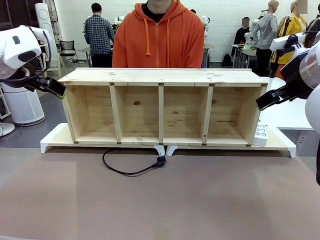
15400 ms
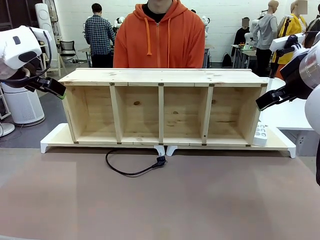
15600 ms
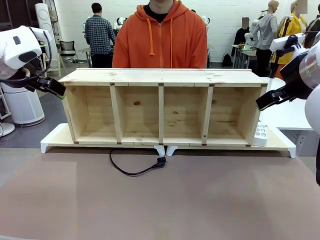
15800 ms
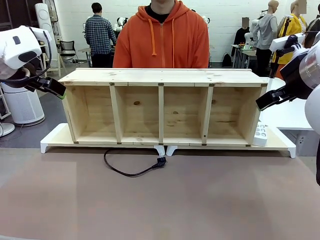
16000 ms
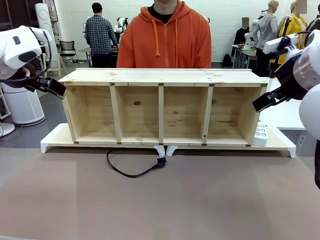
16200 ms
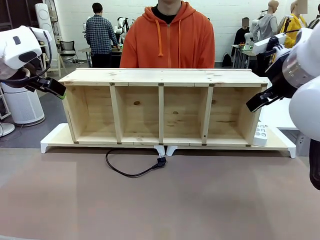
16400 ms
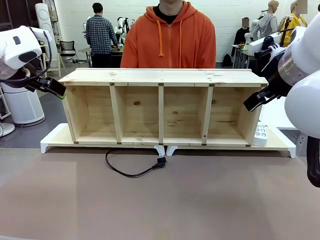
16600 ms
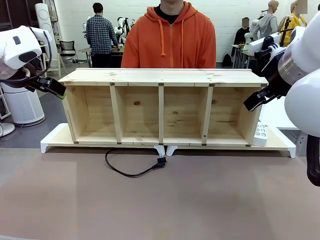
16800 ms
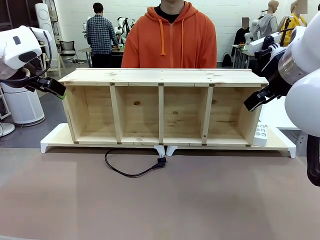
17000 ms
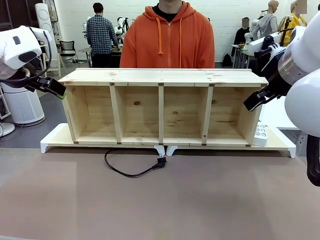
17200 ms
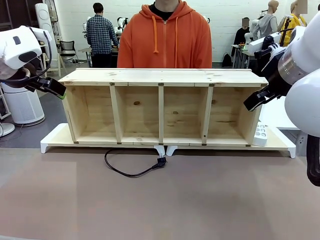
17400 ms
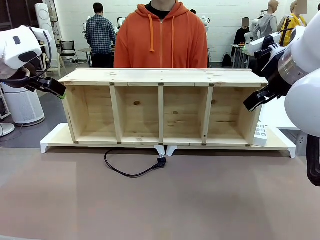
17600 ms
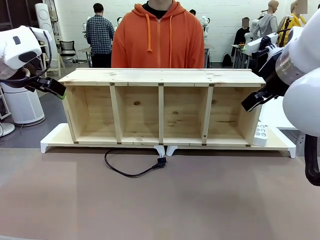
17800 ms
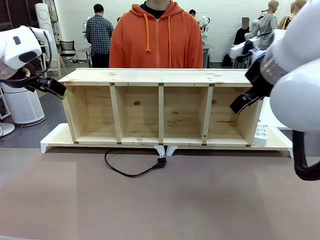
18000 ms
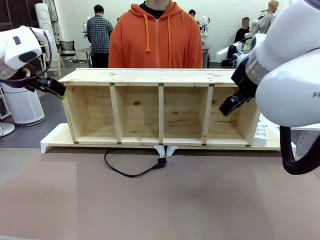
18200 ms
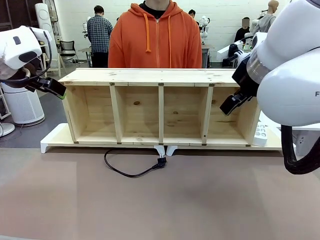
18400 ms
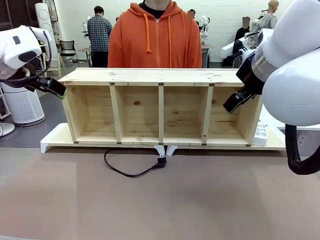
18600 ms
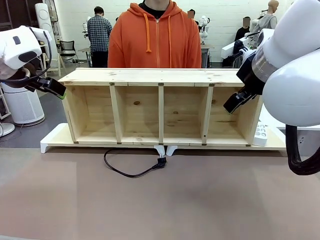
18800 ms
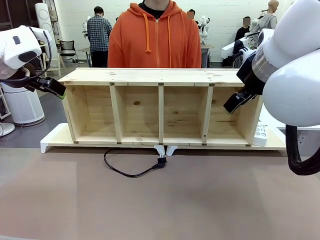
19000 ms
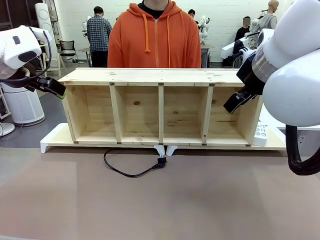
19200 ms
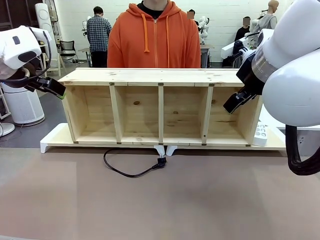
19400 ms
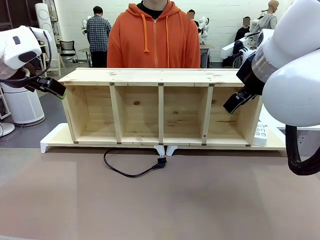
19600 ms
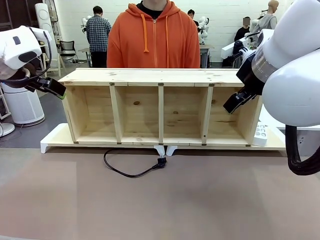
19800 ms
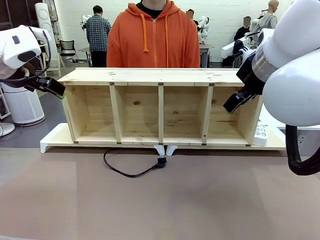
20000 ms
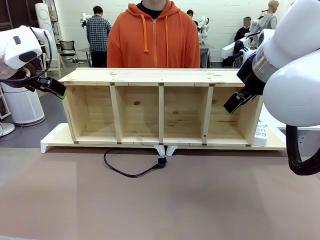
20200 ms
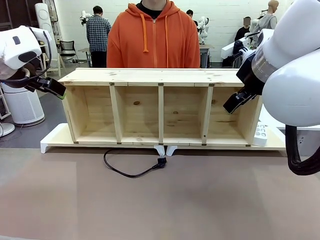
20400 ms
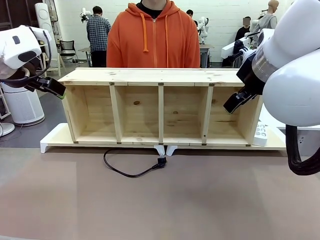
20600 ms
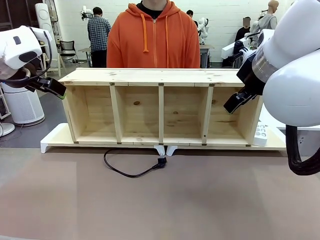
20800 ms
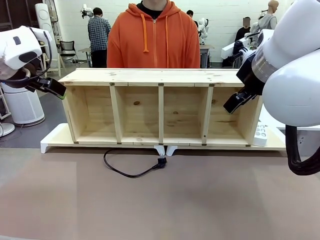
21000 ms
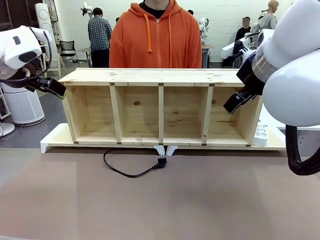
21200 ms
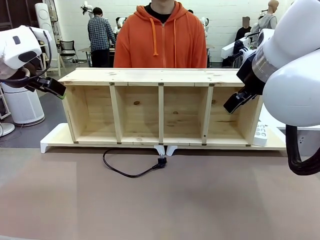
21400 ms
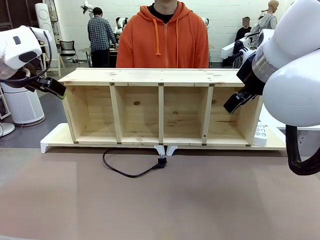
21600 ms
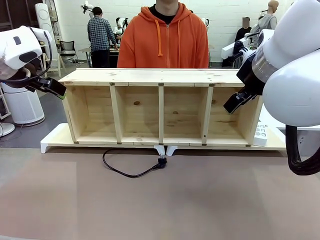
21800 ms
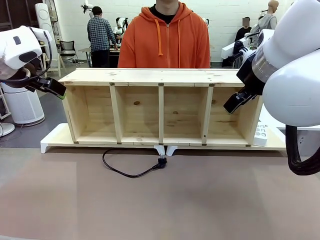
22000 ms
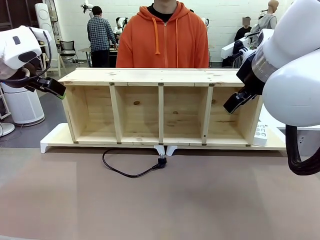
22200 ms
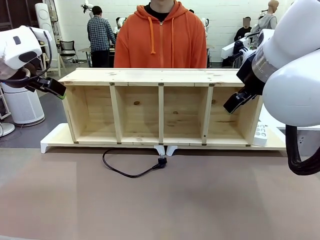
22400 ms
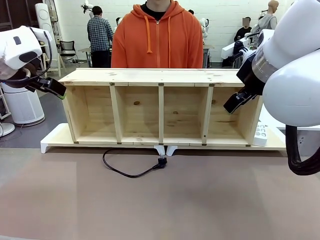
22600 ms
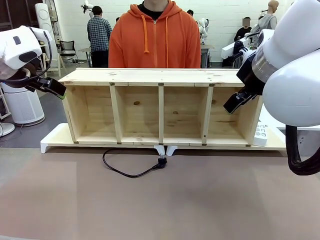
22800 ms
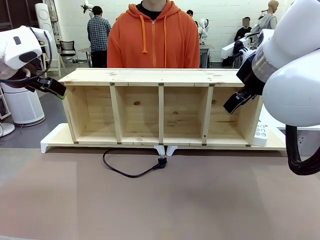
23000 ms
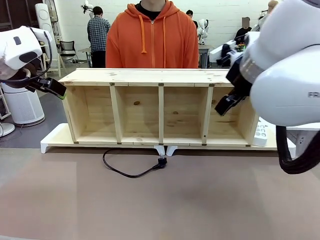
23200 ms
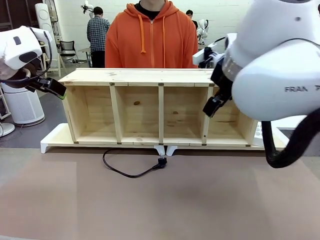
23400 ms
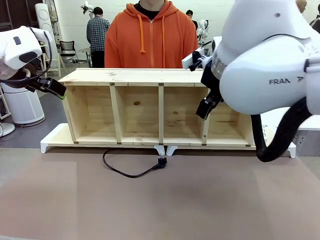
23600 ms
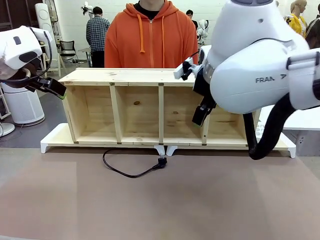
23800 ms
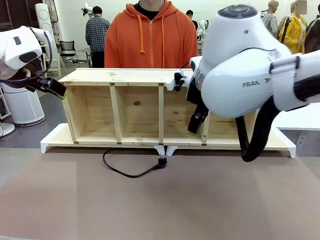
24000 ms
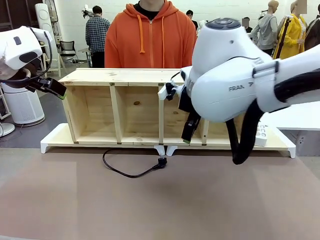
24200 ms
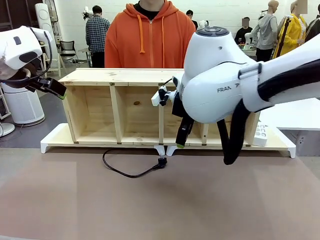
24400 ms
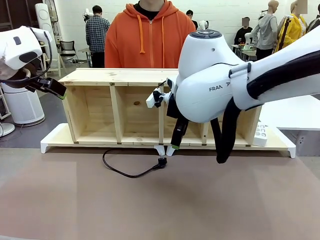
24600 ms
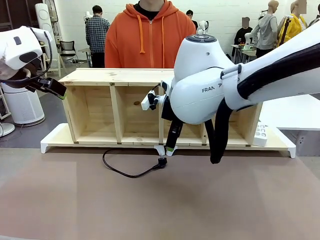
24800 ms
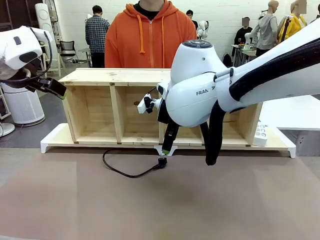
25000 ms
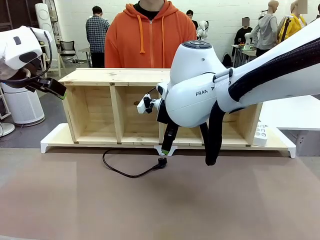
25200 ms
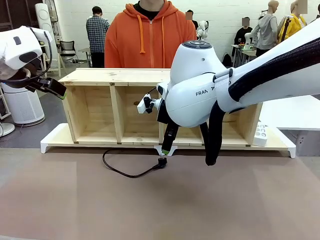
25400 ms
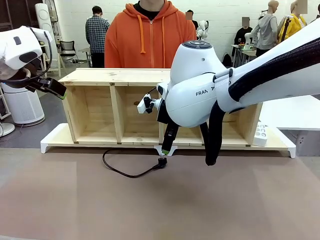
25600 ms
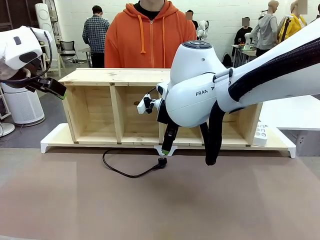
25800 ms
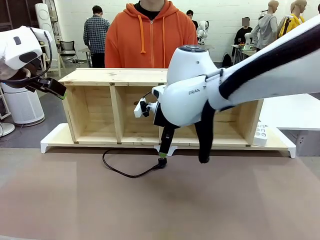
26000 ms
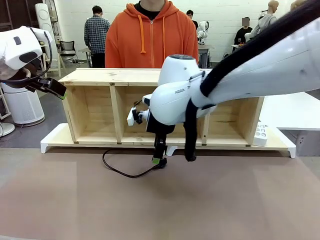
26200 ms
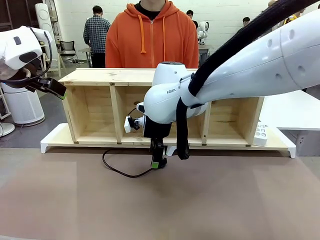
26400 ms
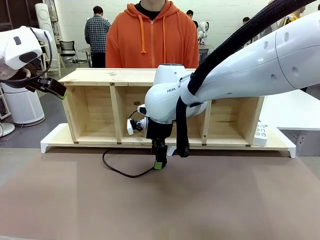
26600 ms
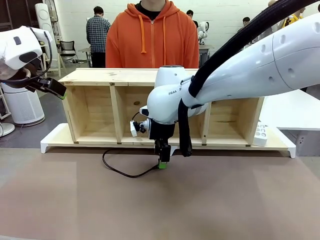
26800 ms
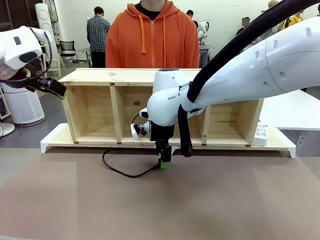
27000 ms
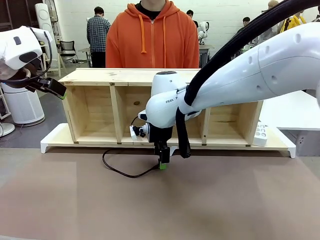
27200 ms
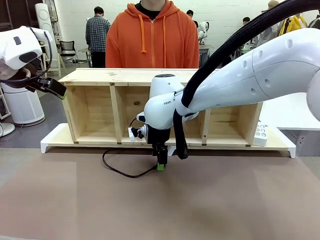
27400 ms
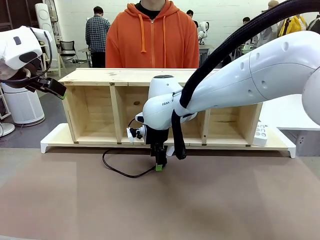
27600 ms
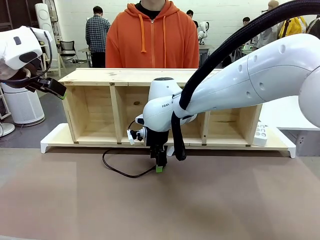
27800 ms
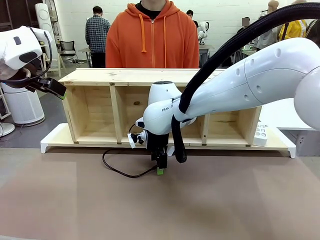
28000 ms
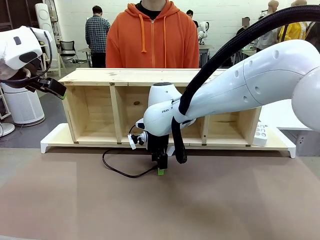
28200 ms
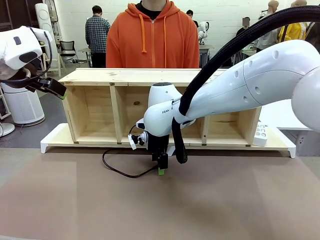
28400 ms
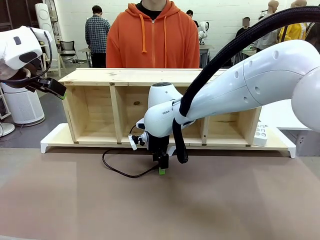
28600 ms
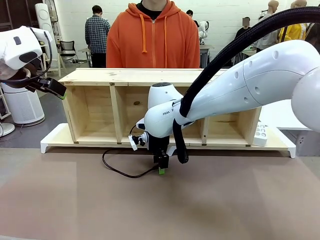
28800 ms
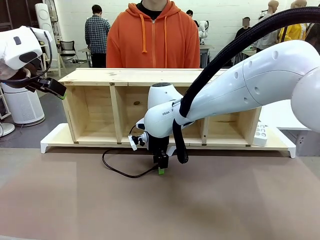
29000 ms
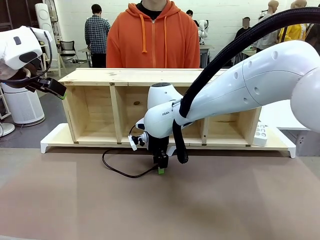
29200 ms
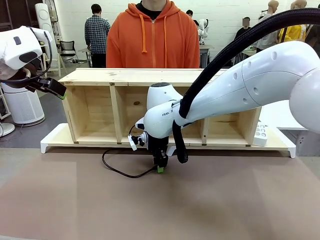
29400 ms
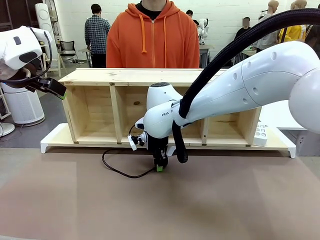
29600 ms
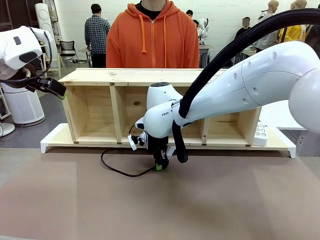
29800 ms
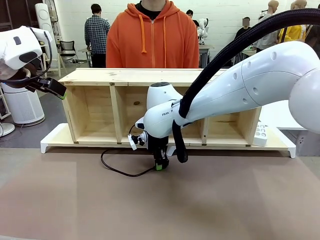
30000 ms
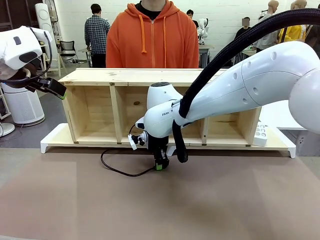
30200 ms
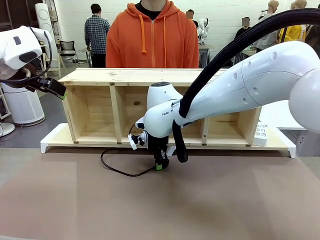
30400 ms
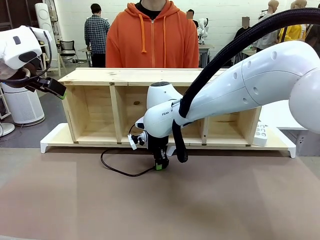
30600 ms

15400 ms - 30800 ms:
Task: Perform cable management.
Robot: When the cord part of the Power Cable appears at the lower middle area of the table and stops, grasp the cord part of the Power Cable.

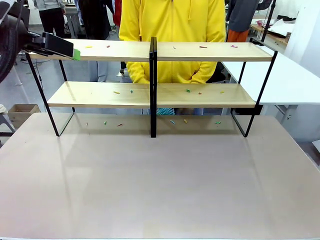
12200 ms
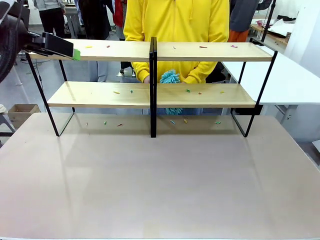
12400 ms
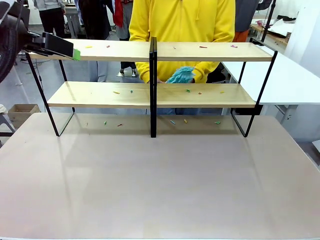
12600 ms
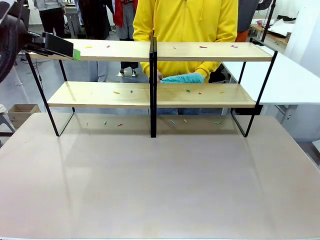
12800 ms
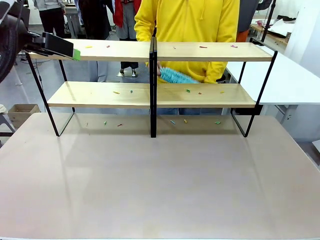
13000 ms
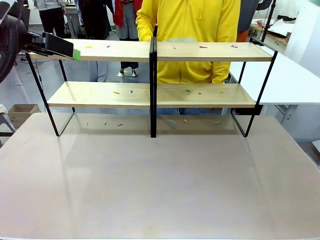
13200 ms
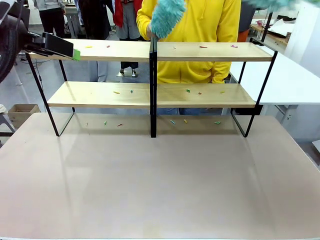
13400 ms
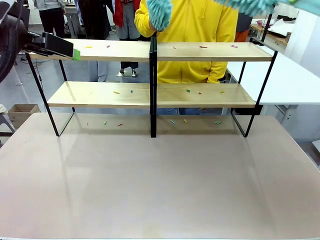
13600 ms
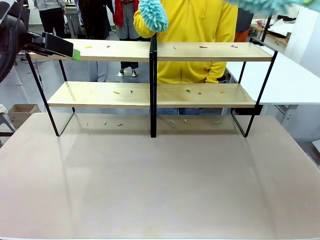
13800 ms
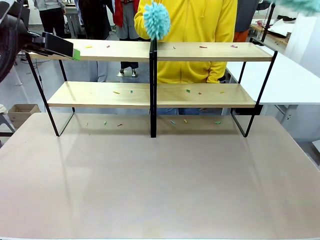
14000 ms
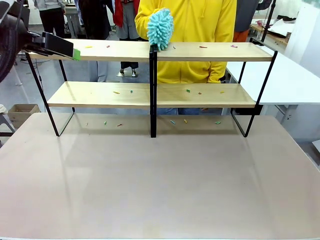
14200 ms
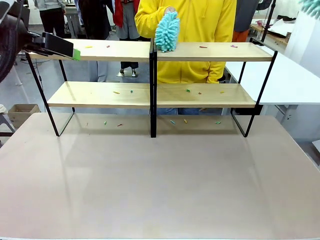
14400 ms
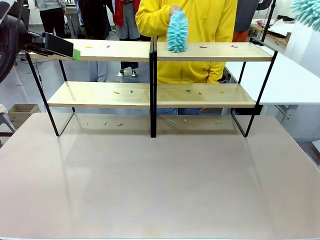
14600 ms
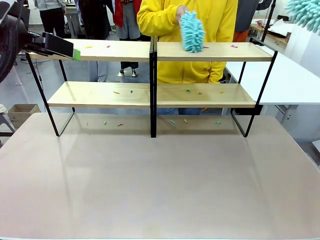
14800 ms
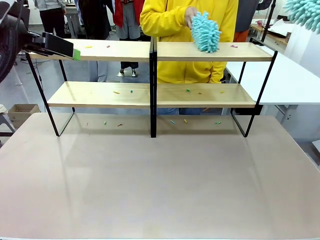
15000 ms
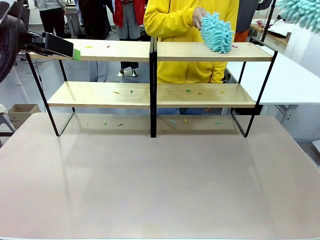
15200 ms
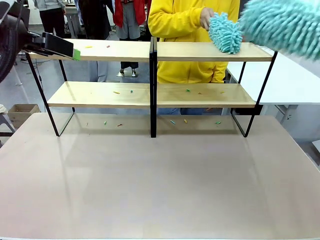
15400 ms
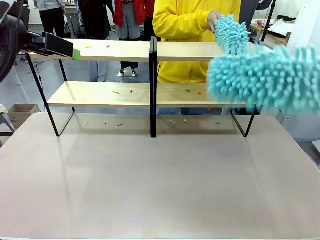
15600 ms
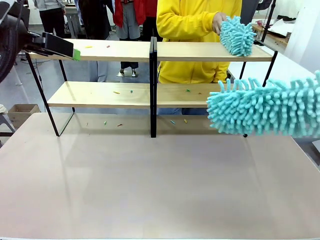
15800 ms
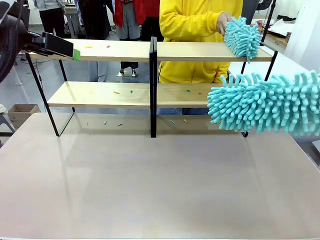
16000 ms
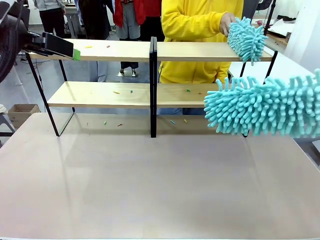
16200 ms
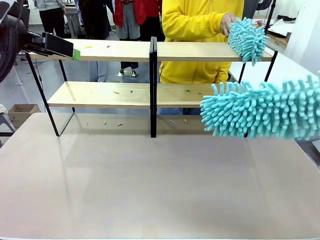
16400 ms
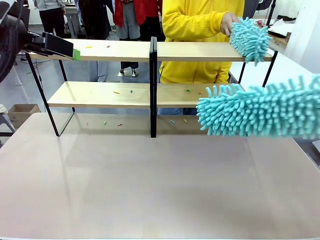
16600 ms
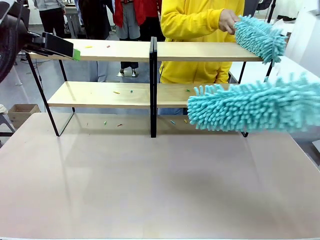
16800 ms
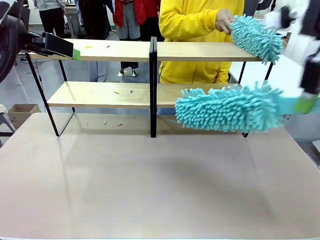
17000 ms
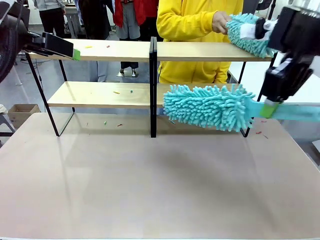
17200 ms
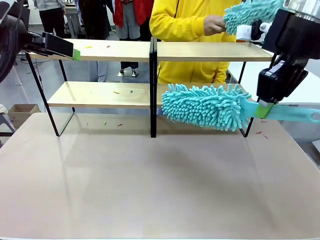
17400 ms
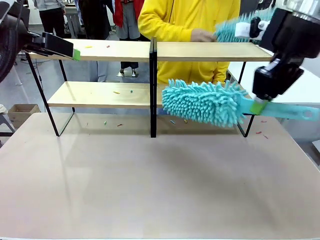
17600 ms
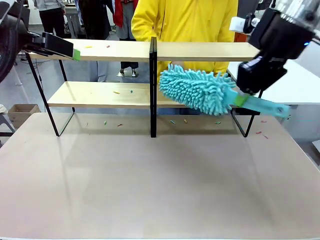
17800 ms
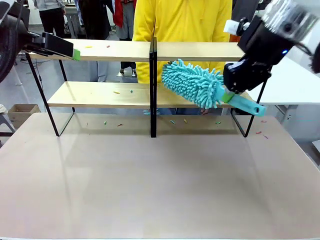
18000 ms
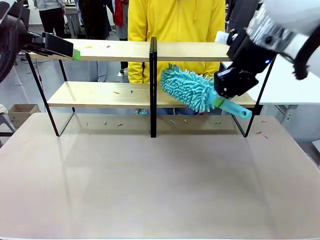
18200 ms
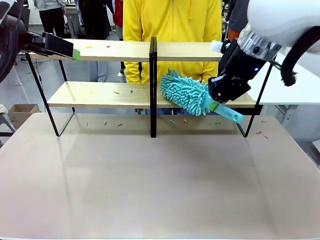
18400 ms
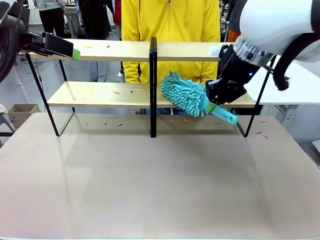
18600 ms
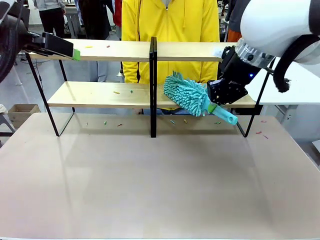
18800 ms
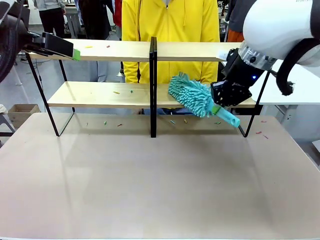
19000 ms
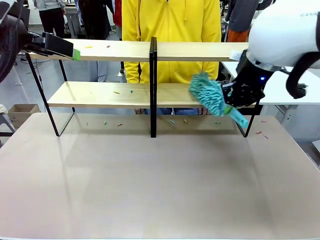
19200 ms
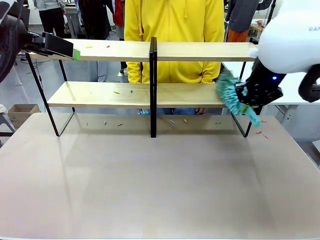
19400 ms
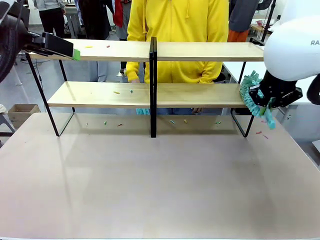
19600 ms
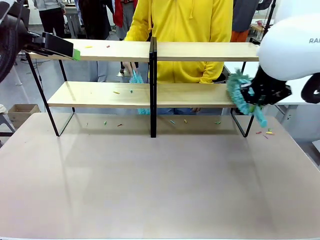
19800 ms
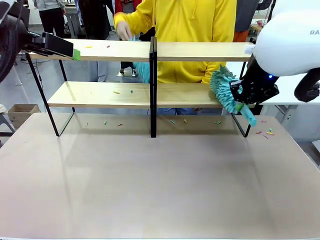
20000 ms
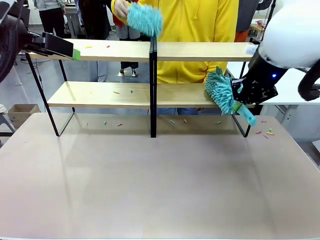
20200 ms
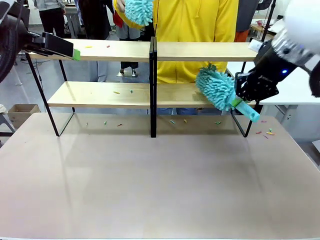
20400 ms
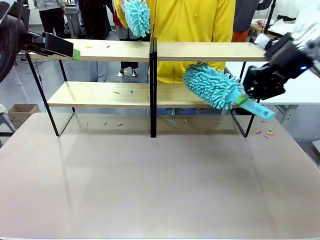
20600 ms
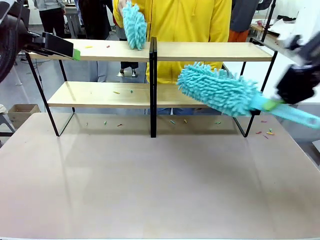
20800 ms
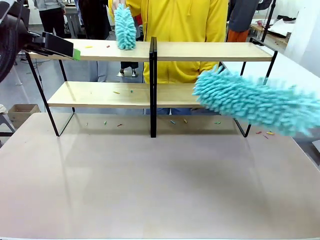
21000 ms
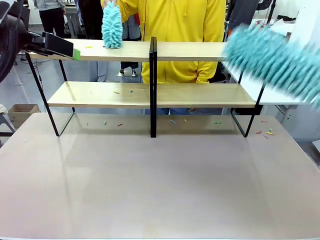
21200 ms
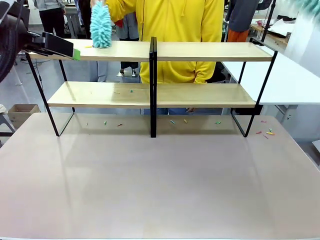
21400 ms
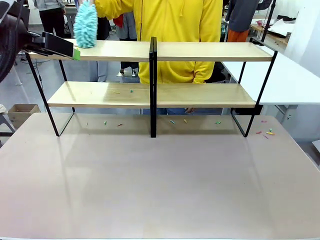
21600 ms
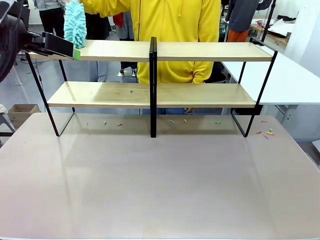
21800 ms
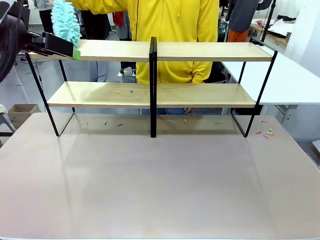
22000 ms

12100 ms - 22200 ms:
Task: Clean the shelves.
Robot: Clean a randomly selected level of the Shelf with the Duster.
